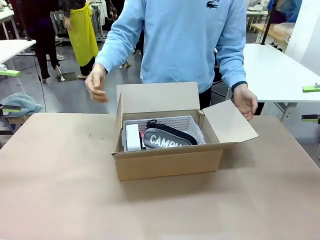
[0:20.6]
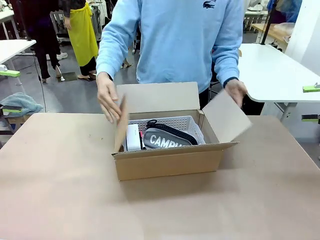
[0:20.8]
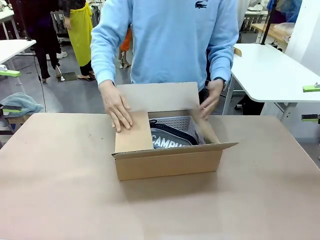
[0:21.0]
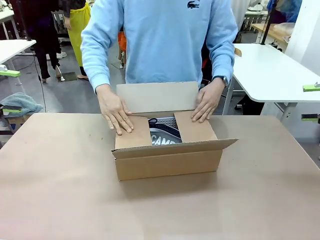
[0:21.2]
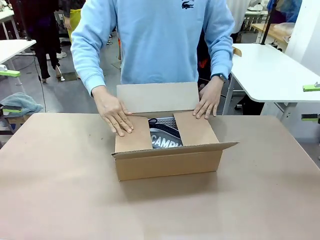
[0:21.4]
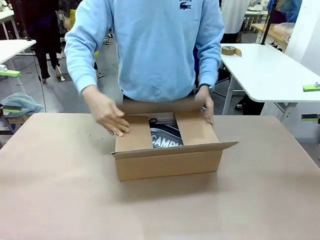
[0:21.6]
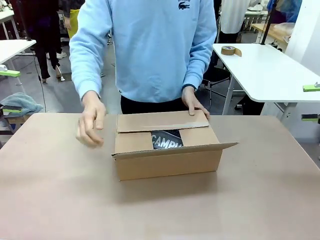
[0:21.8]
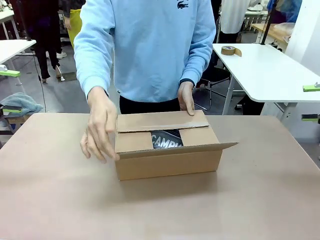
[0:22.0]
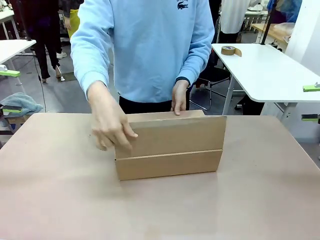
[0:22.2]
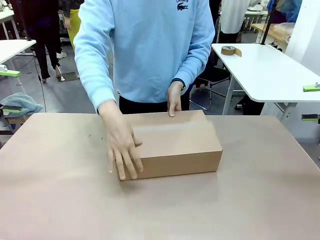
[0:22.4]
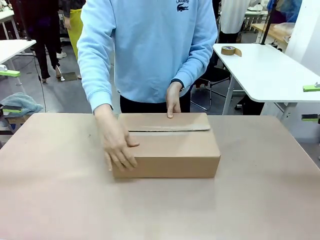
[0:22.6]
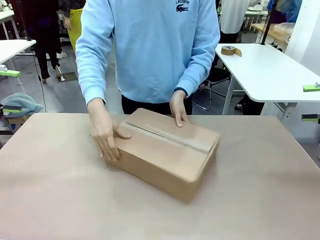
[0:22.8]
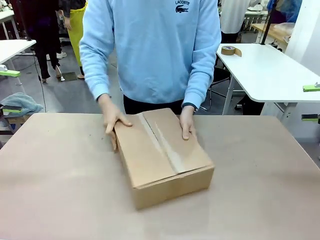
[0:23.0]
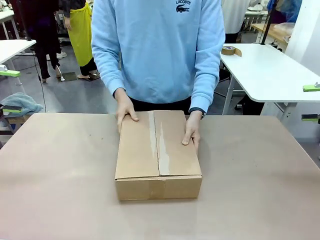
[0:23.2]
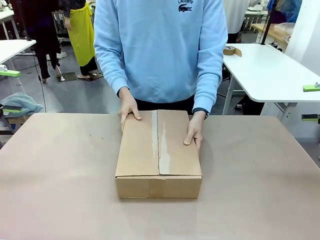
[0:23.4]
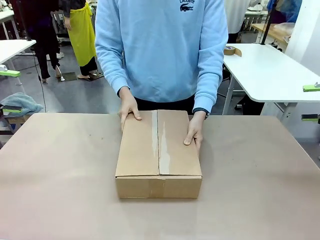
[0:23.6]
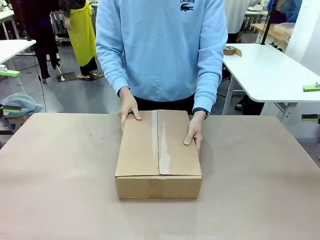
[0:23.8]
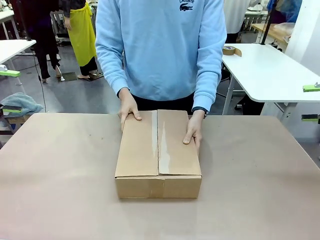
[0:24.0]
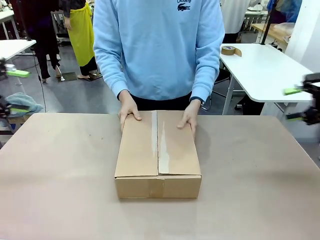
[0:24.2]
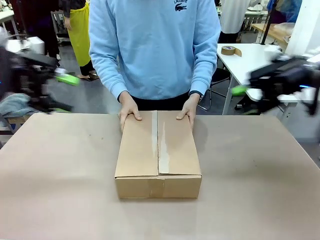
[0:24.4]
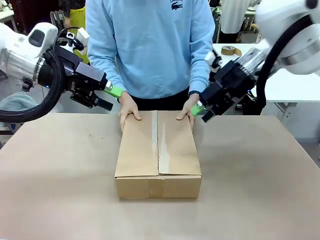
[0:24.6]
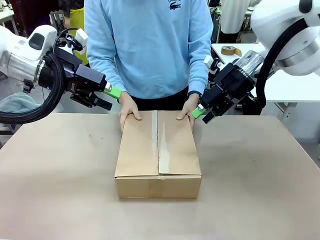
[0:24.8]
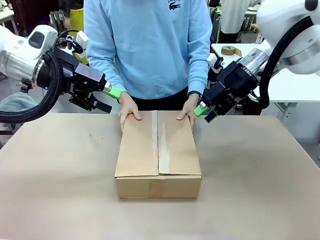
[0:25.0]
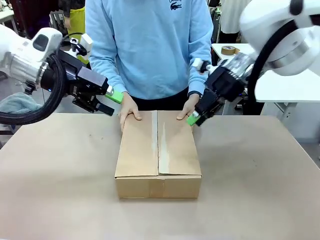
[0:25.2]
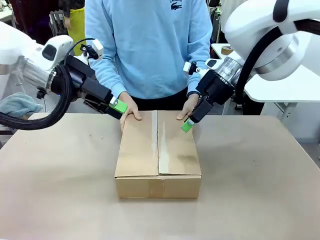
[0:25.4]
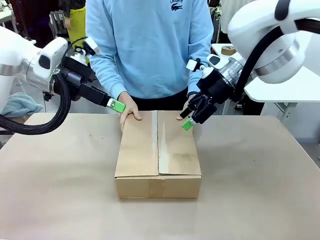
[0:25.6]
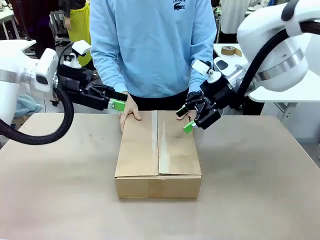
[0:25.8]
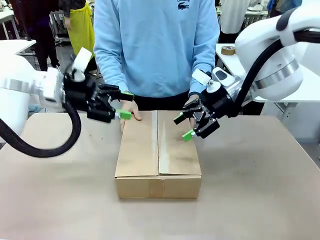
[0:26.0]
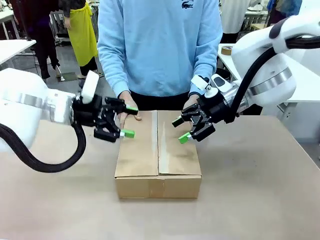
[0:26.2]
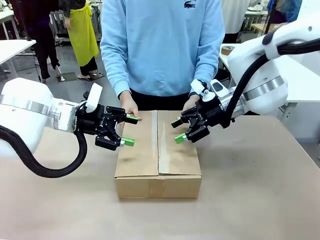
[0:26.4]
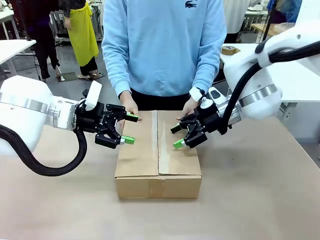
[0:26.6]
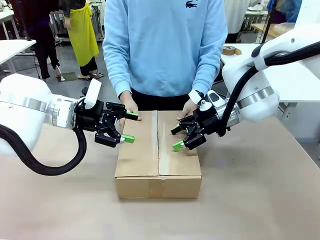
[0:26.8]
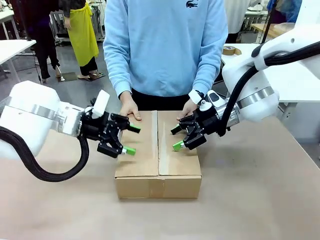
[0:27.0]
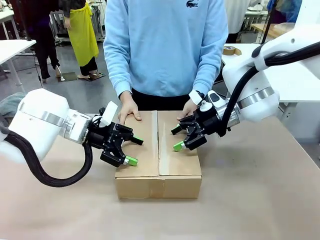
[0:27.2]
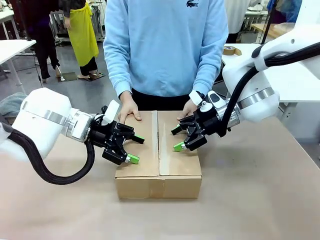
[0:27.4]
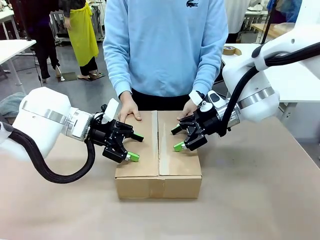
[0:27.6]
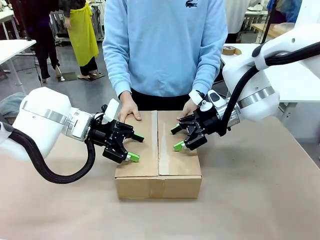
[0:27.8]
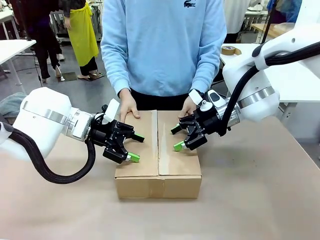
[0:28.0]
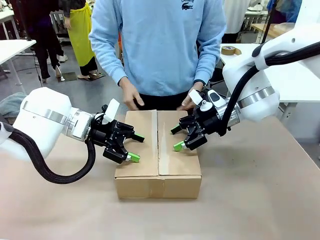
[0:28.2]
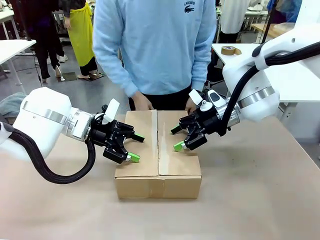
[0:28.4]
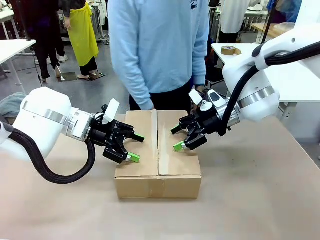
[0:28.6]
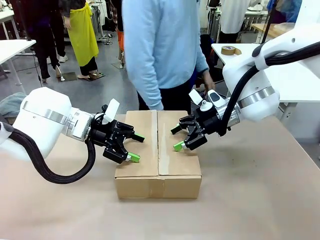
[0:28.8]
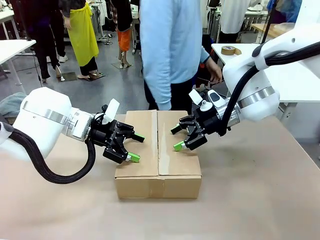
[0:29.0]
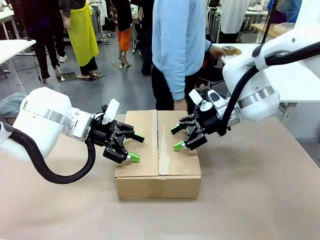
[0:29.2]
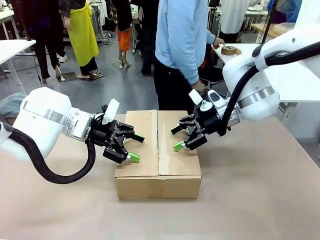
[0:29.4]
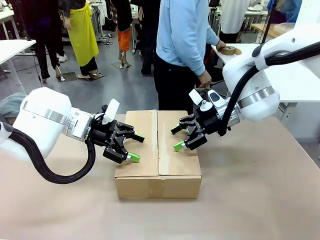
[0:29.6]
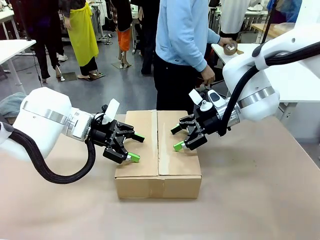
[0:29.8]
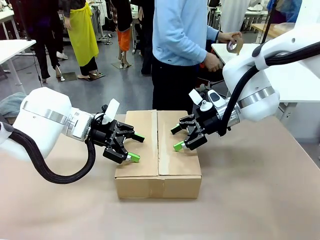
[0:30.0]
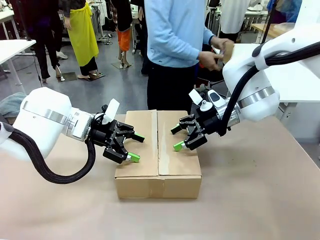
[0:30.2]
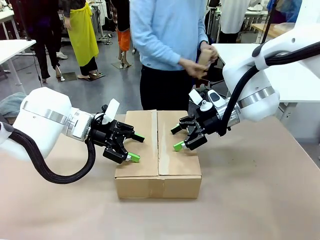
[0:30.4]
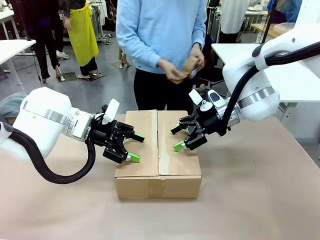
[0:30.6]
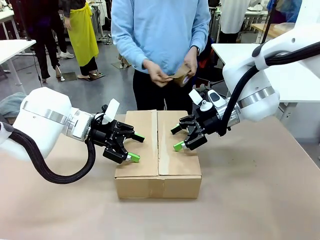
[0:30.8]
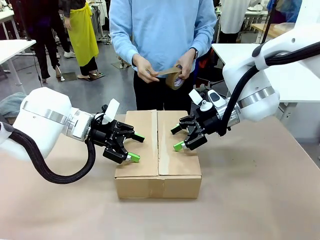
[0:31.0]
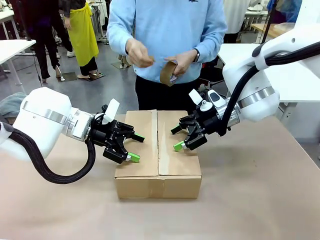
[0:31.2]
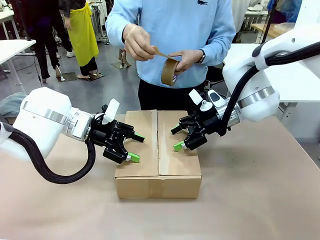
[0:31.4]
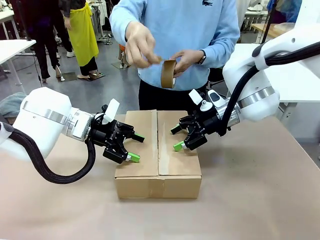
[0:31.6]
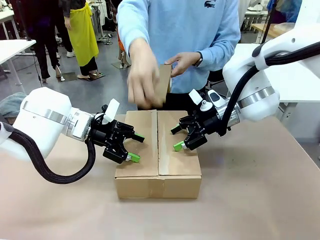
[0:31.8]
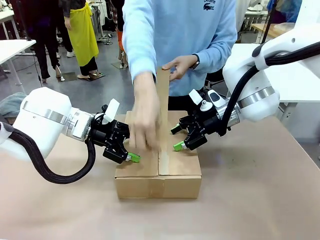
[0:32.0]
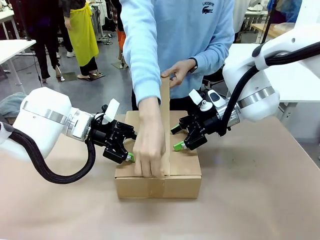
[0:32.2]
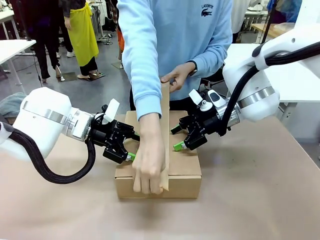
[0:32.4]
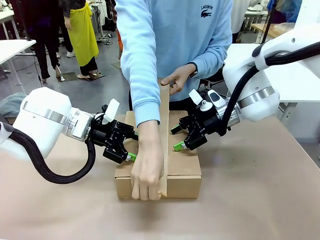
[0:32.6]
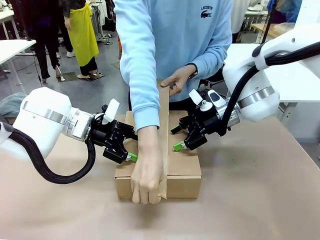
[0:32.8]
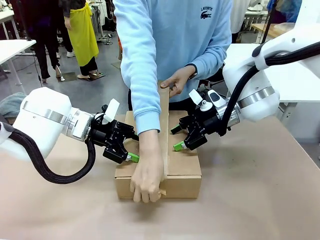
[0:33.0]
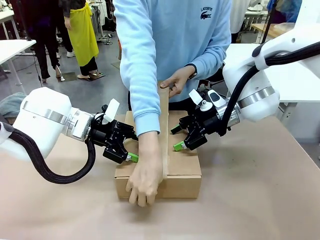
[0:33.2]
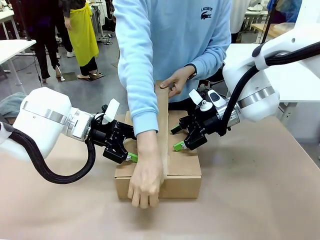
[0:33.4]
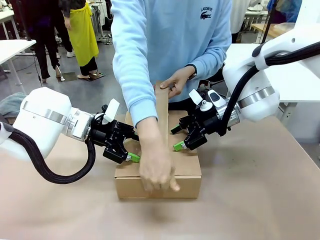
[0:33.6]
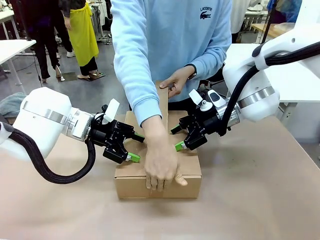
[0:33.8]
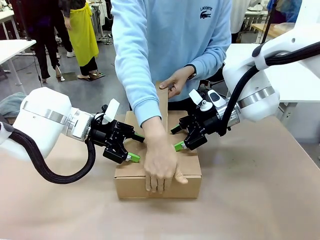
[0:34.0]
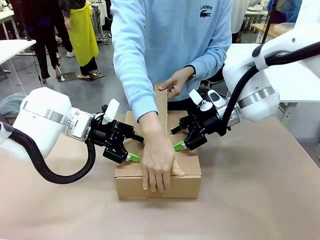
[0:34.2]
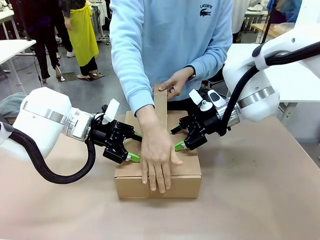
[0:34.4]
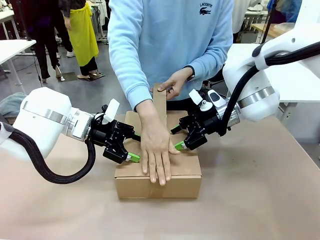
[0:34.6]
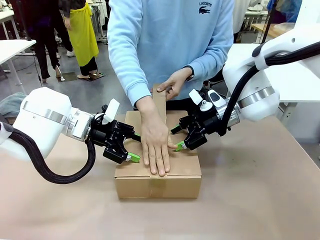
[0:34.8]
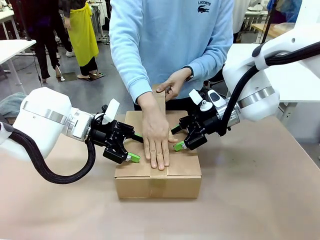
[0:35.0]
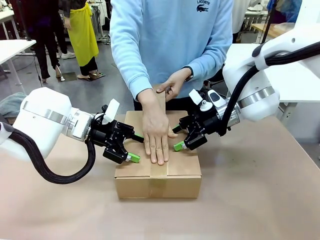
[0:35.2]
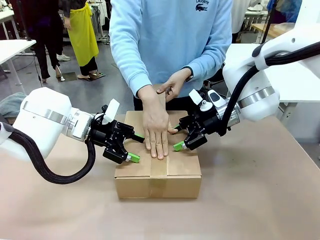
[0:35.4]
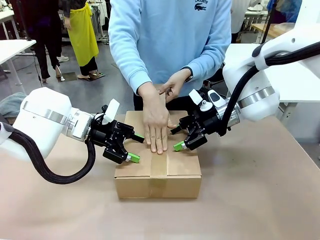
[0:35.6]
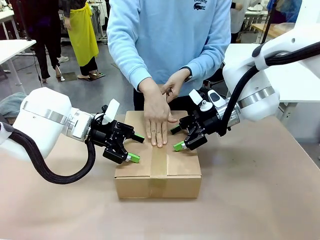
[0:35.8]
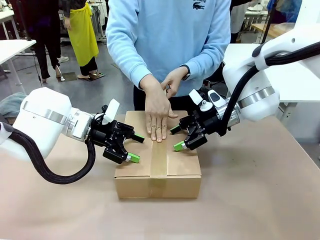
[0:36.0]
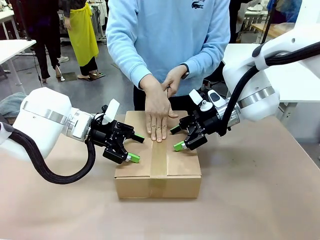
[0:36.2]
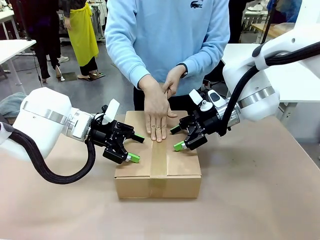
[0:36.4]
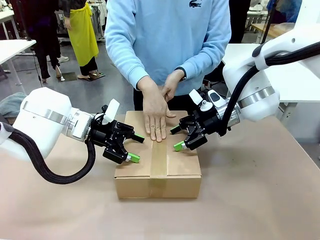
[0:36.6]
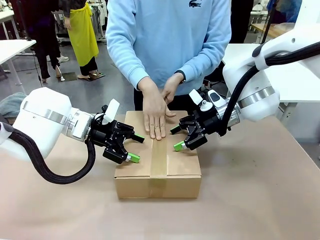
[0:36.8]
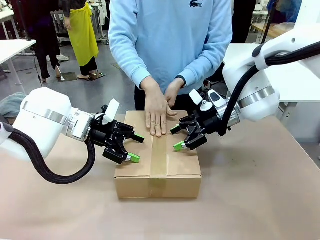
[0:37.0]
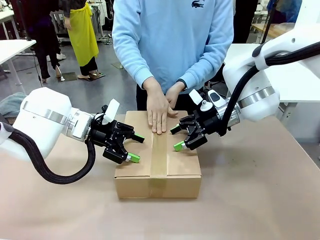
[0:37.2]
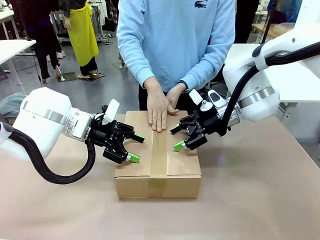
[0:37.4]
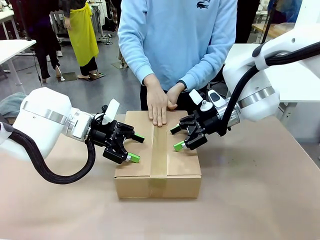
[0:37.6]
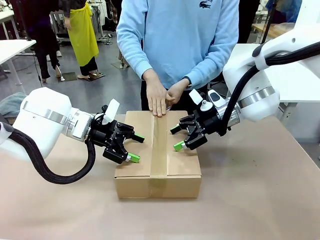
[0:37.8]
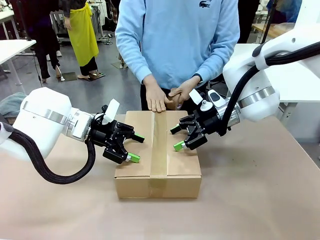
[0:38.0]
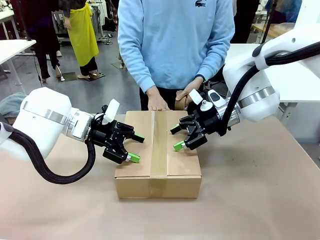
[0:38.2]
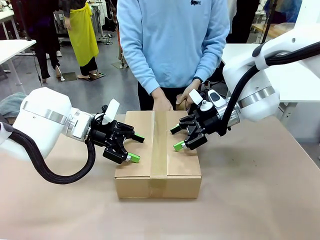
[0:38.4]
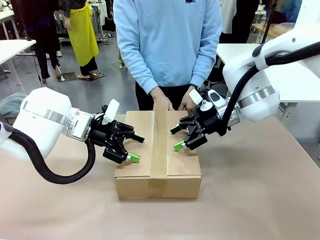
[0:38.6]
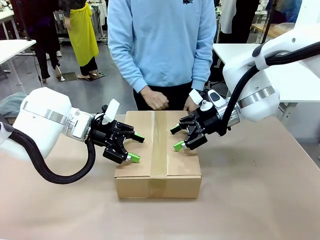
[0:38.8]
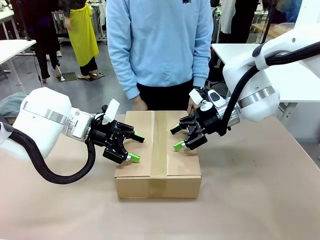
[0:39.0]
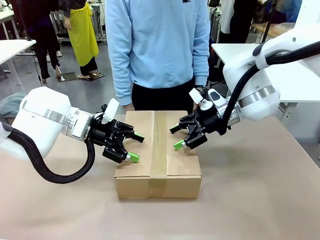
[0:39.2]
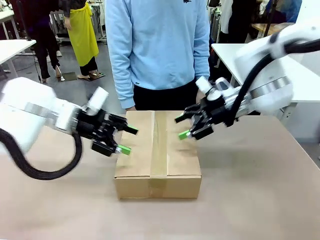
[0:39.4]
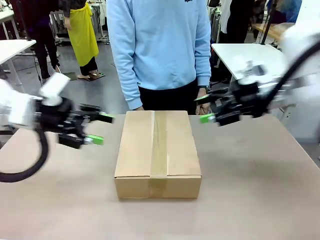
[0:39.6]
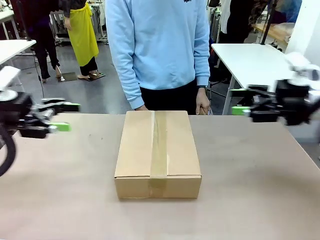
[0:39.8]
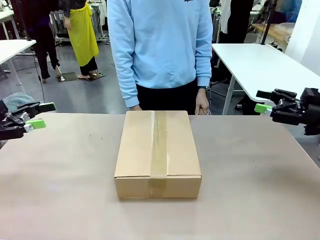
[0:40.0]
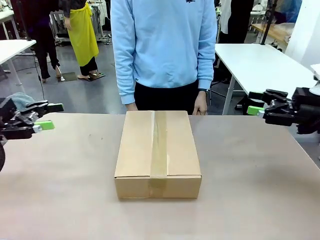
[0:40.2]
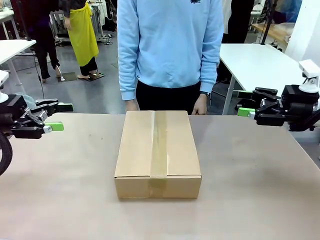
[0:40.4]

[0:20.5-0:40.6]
Task: Pack the gift set into the box.
Robot: Press and hold the closed box until the human finishes sealing it.
Person: The human closes the box and rotates the box by 90 degrees. The human picks up the paper tape from the human table and packs the box.
